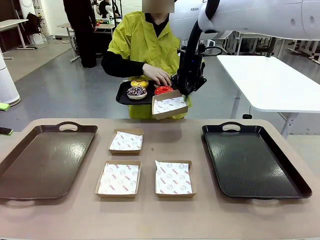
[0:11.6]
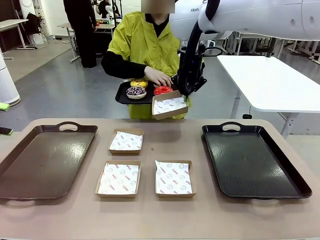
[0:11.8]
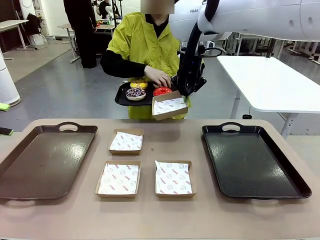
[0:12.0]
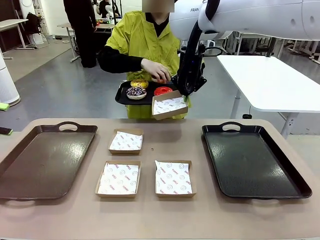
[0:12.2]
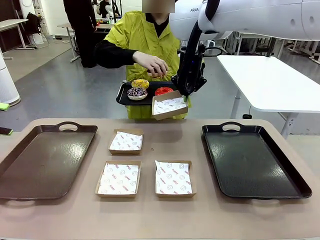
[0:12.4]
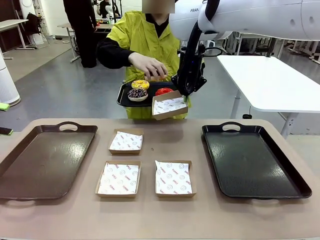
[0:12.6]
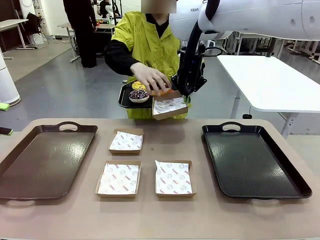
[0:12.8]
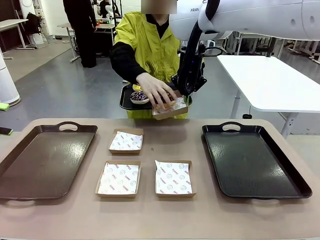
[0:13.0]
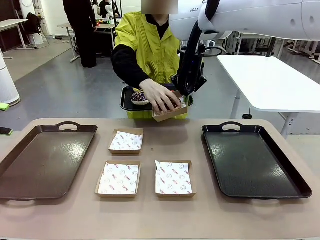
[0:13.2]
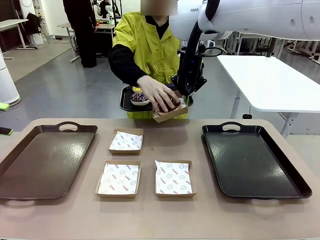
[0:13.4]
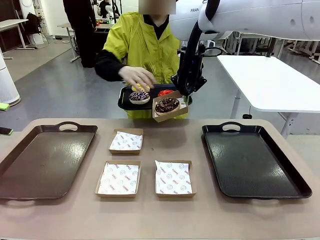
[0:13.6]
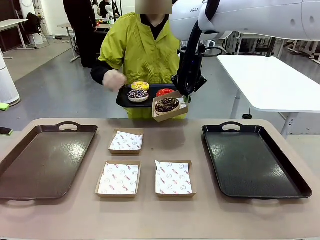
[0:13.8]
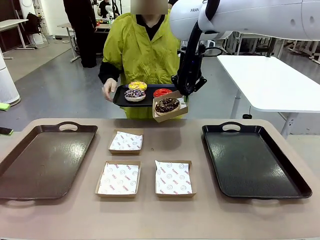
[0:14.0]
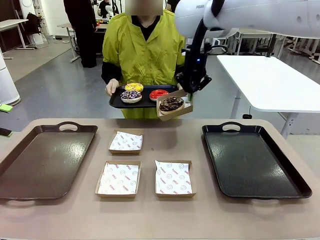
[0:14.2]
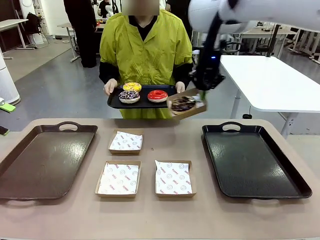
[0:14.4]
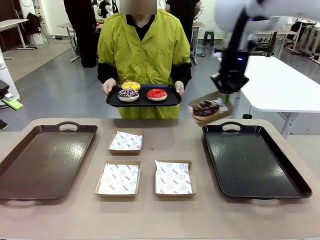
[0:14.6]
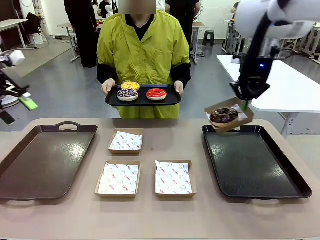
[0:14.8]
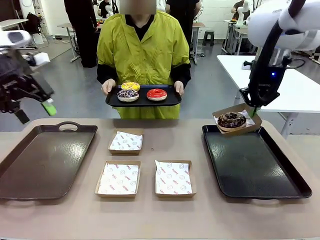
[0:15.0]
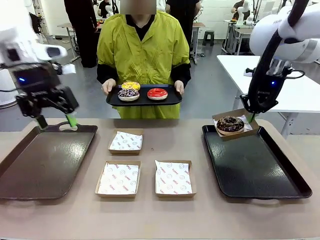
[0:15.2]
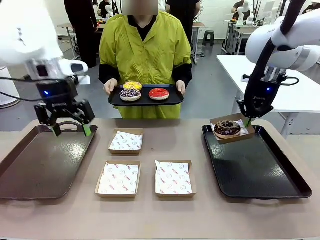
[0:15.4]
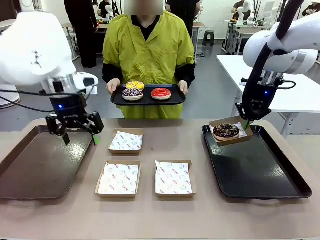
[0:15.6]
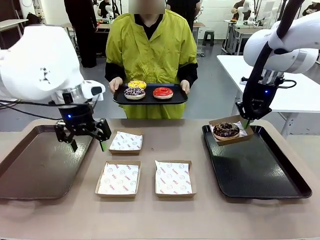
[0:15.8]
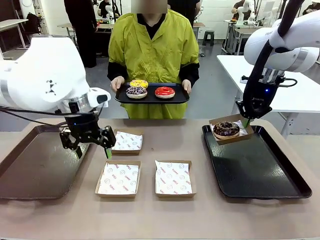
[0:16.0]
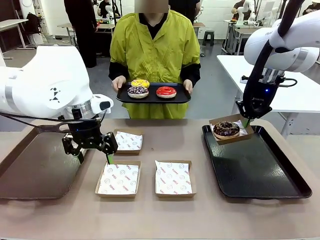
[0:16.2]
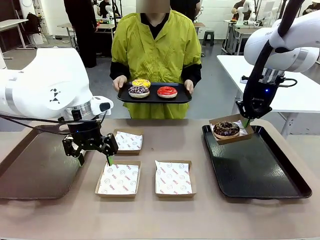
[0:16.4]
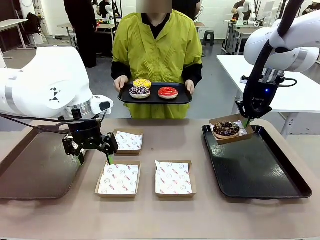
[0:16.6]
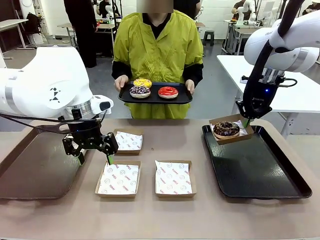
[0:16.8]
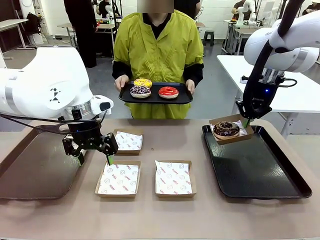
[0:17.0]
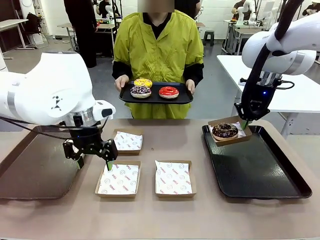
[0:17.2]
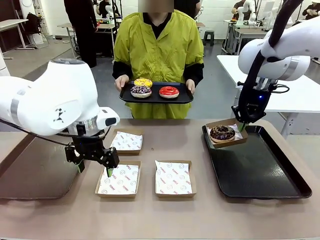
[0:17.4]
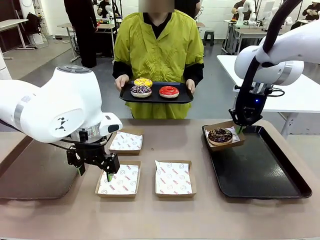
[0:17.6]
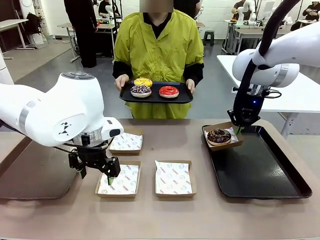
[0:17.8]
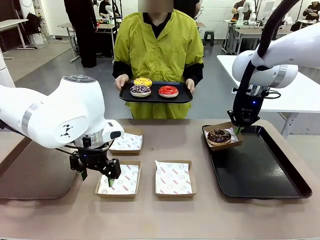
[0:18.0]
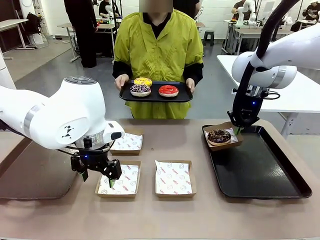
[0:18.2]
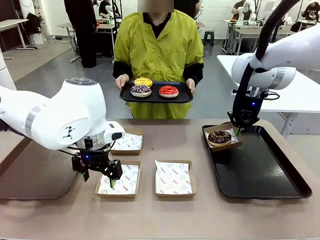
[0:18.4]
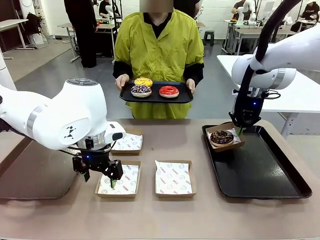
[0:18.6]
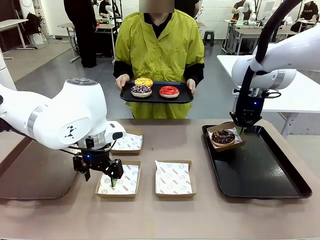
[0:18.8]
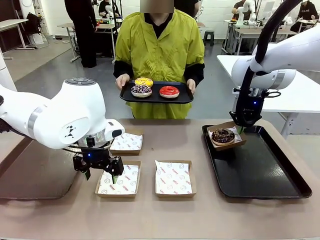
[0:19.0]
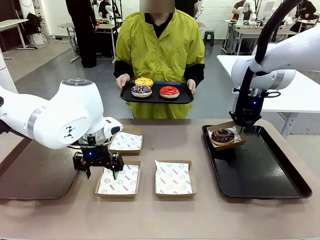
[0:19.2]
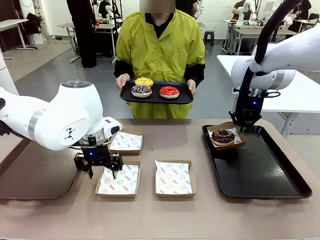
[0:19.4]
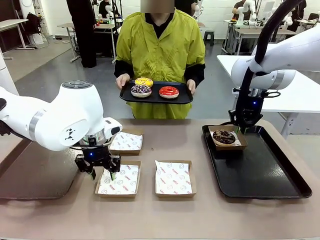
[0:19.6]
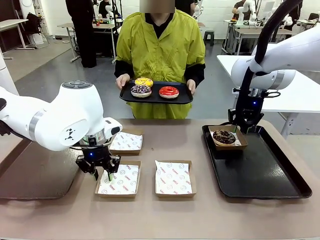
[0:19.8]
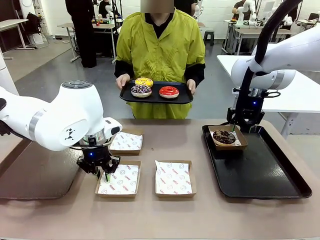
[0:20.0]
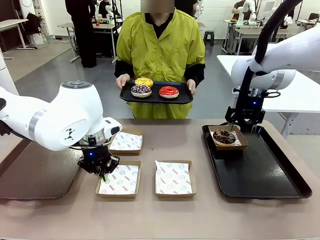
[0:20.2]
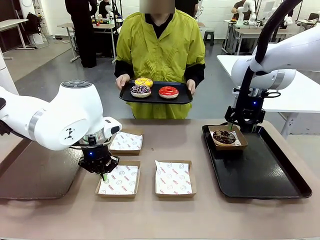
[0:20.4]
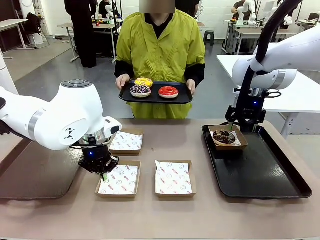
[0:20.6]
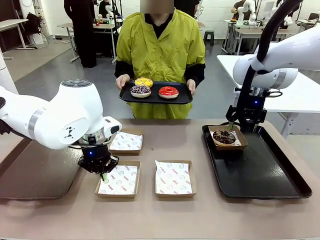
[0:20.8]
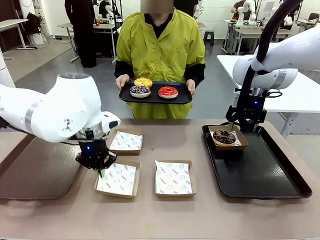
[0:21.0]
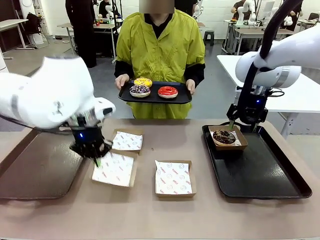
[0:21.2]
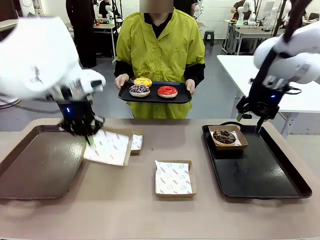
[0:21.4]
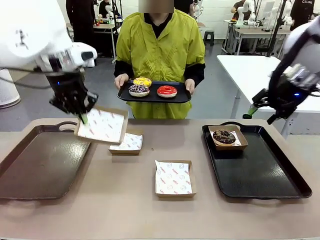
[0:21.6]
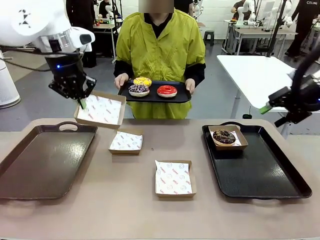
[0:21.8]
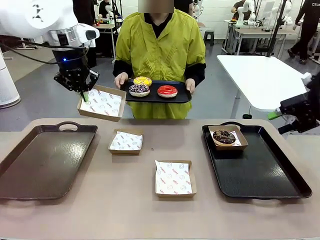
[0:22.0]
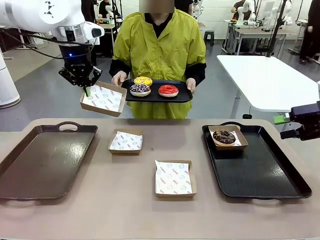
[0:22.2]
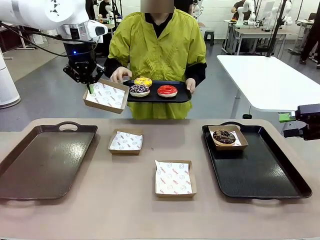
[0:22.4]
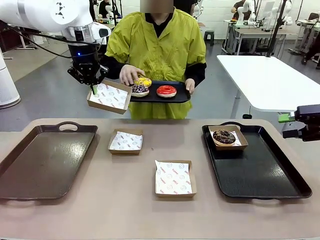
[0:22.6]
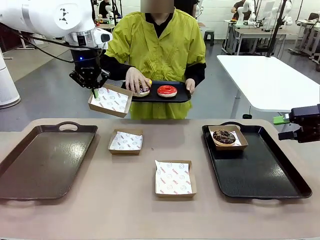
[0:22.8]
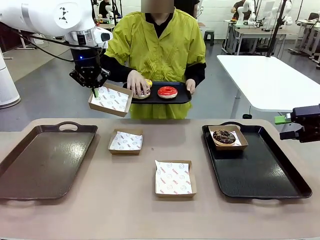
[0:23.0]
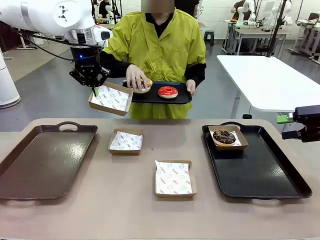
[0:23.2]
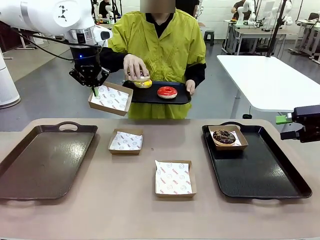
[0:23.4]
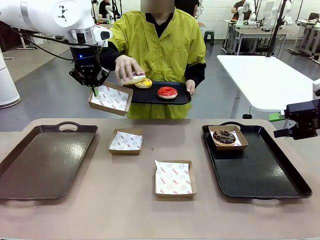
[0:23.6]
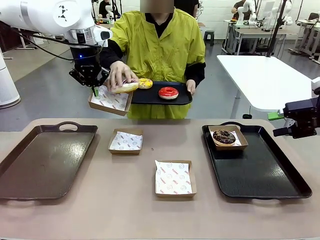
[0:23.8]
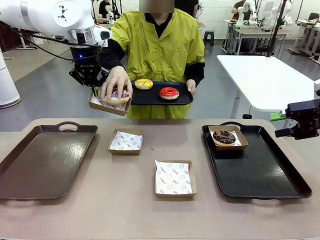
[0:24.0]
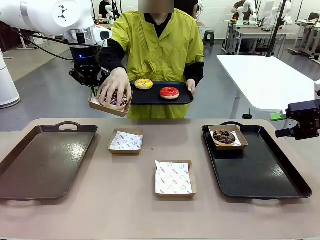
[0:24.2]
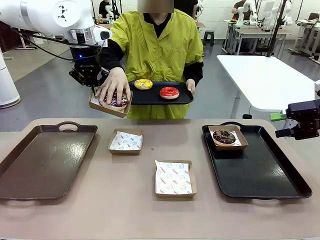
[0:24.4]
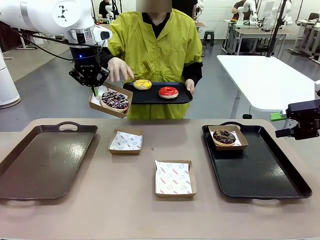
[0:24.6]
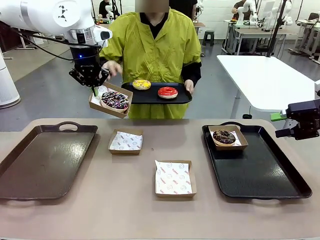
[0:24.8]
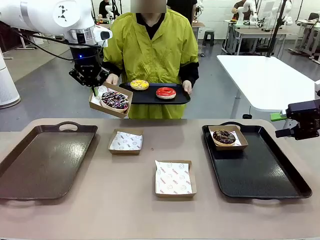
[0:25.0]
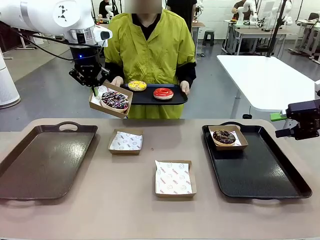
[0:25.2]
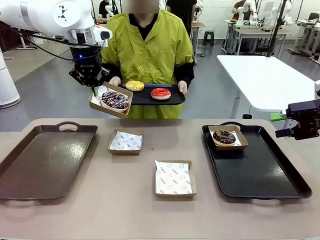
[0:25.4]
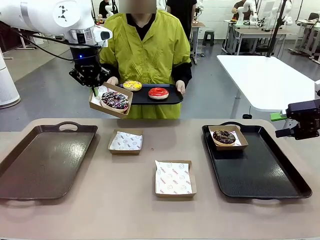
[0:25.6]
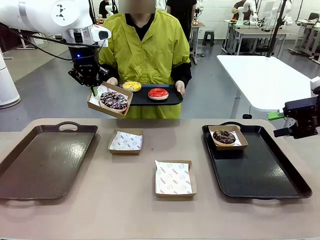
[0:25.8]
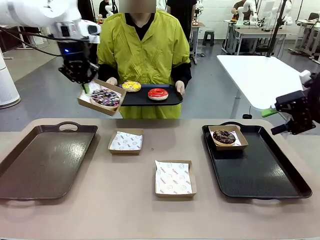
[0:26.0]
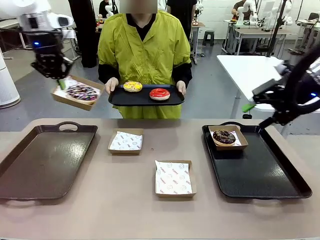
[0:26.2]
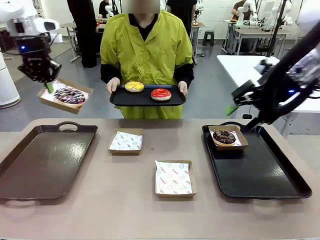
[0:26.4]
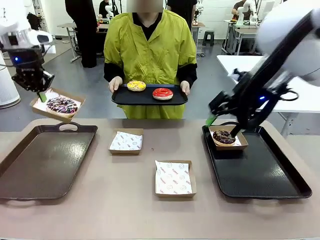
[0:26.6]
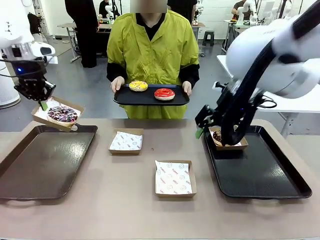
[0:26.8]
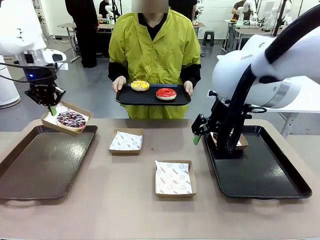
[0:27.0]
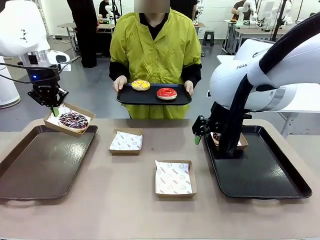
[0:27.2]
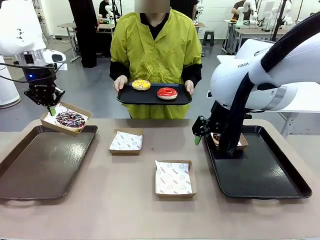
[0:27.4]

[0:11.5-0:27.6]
Task: Individually package the donuts and arrange them on the tray.
Robot: Place the picked Paper togo box on the Handle tray while simultaneously picking up another Paper togo box from the table with the other hand.

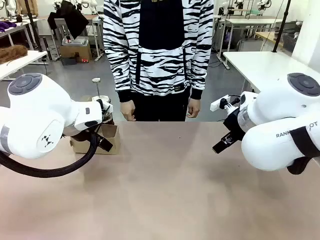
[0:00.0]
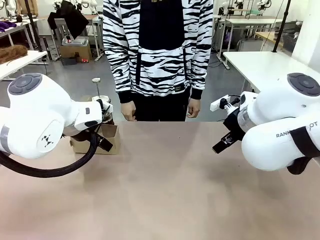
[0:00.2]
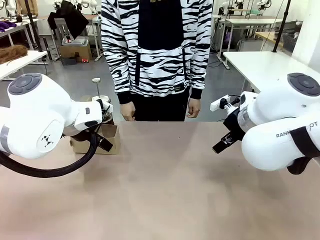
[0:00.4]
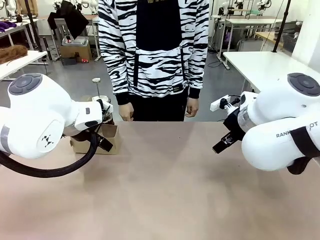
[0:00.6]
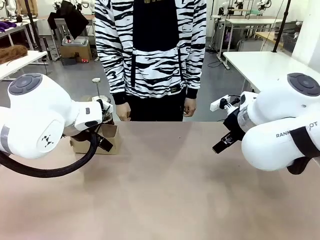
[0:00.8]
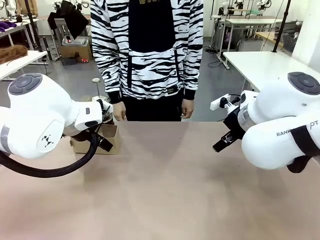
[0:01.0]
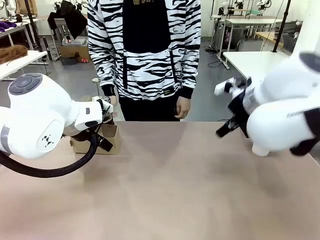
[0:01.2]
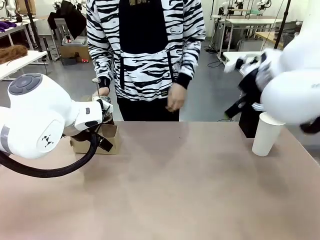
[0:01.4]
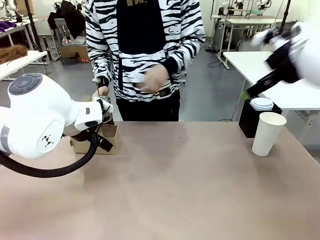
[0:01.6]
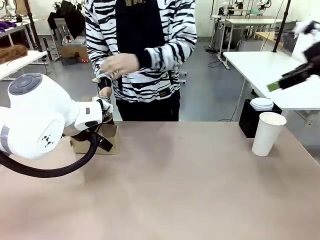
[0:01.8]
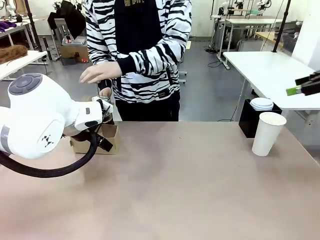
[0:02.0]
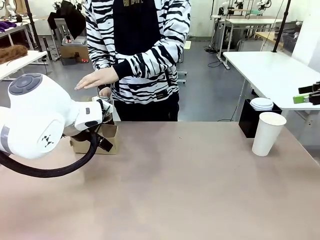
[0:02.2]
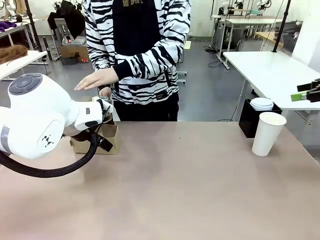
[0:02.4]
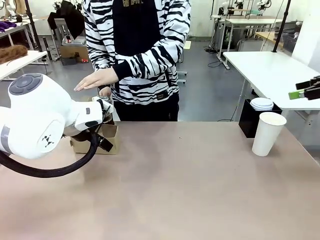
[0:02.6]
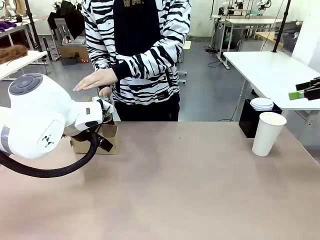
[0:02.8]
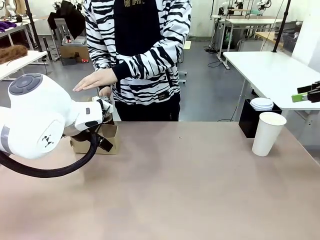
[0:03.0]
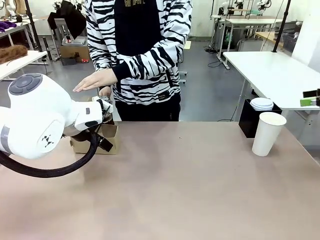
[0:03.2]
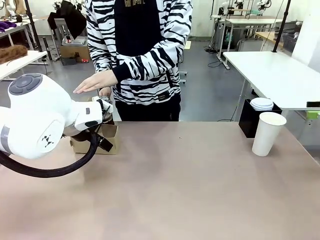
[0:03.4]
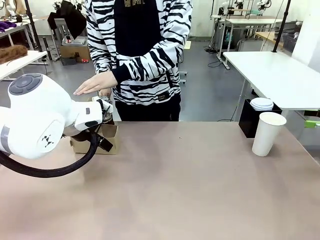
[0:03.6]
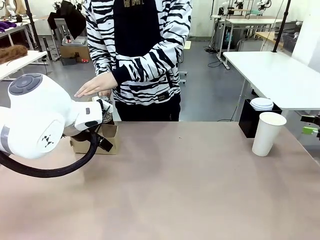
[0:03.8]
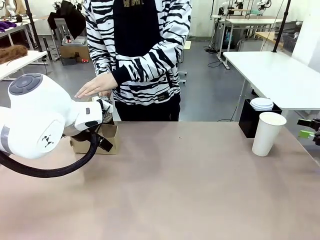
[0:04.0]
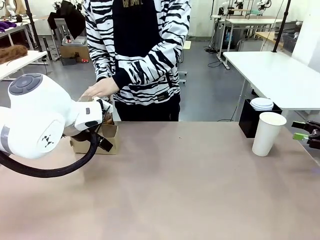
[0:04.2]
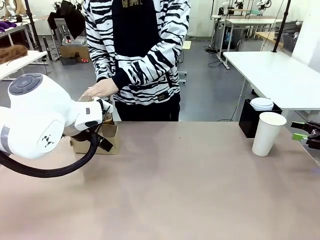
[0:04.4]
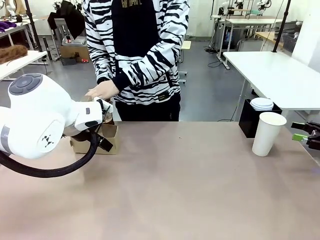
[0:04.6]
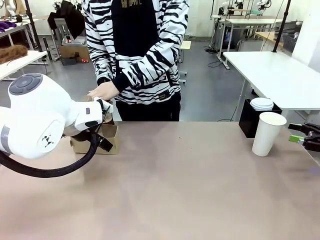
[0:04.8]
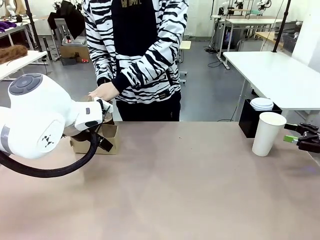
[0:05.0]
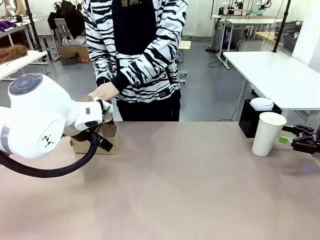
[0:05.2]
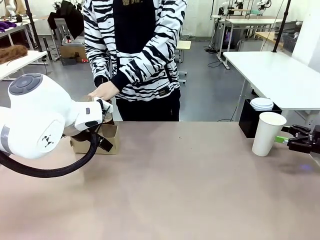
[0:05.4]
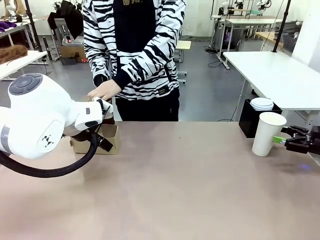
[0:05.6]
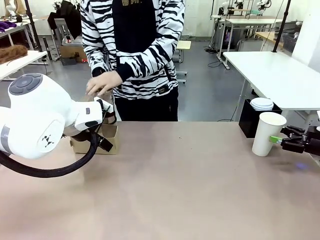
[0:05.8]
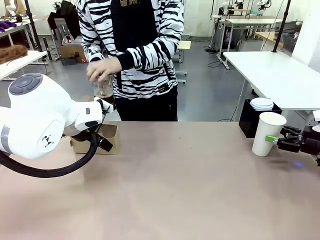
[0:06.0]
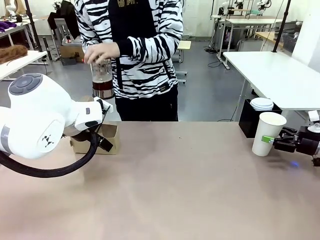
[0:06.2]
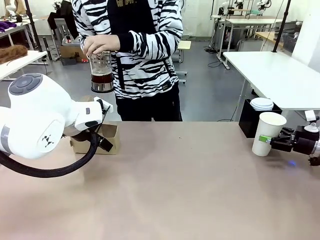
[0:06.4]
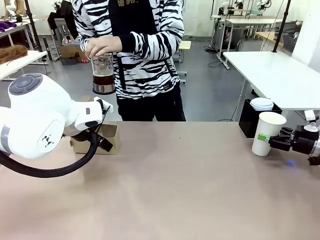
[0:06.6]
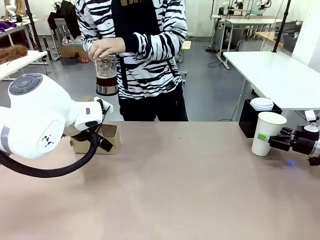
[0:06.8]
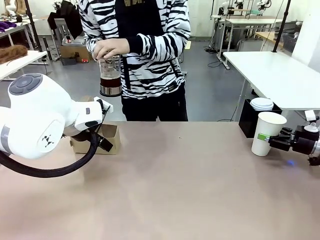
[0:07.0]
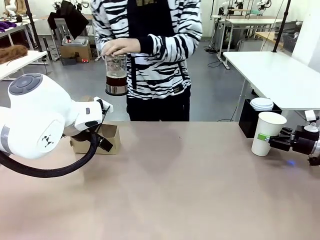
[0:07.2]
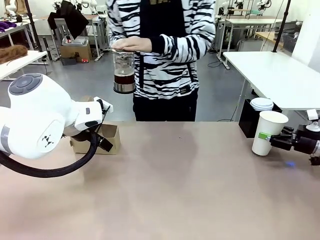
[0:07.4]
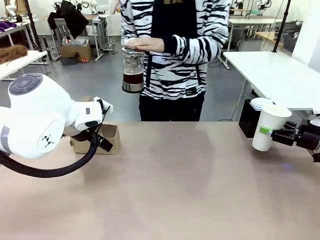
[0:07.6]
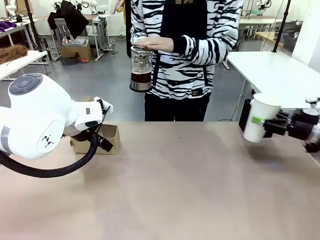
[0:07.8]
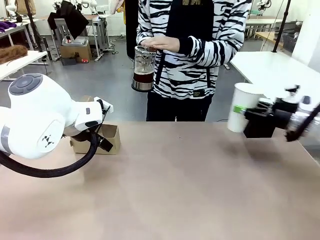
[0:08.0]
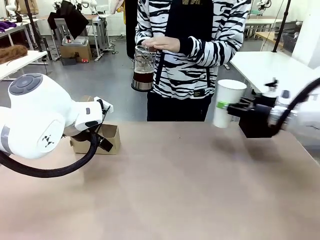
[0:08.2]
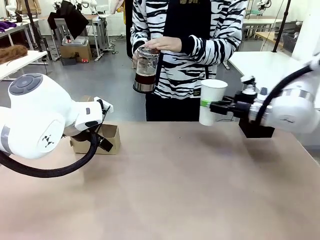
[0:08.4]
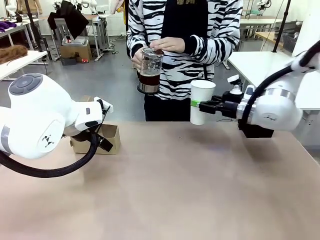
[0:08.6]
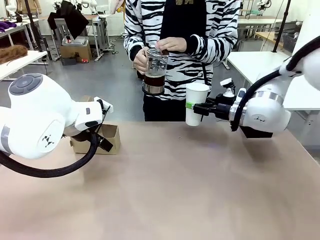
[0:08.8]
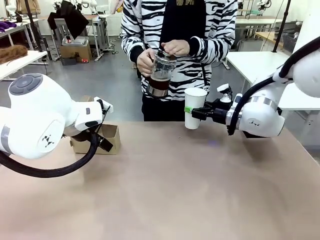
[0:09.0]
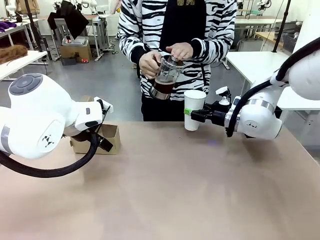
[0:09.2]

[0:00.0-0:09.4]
Task: Pour a drink into a cup and package it in a carrier.
Robot: Pick up the 600 ml Paper Cup and place it in the middle top area of the table.
Person: Press and pick up the Filter Brewing.
